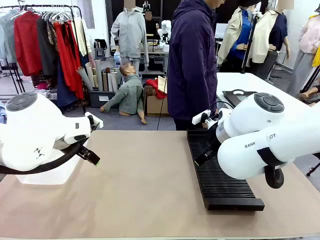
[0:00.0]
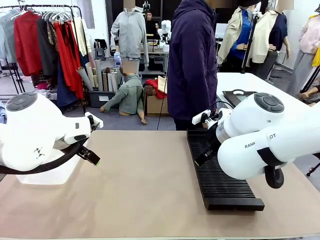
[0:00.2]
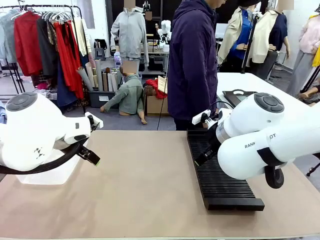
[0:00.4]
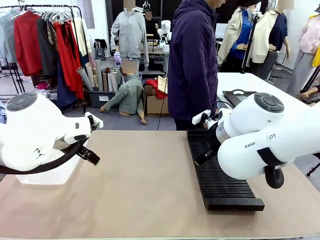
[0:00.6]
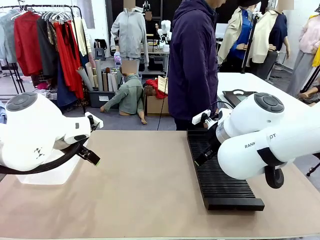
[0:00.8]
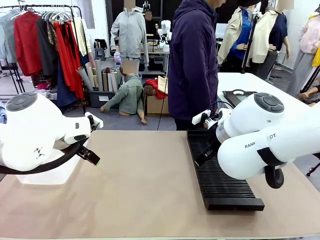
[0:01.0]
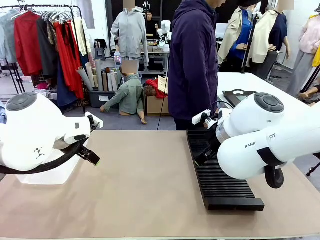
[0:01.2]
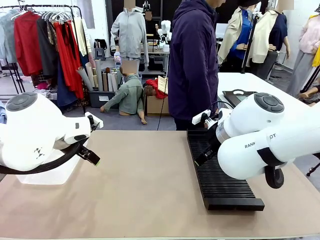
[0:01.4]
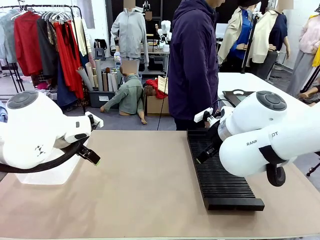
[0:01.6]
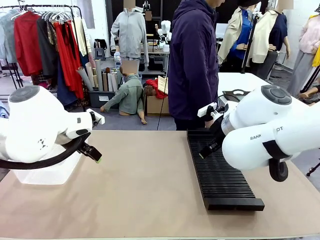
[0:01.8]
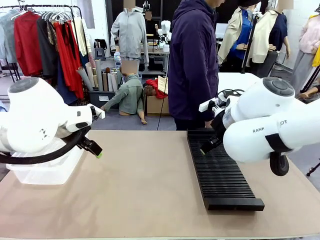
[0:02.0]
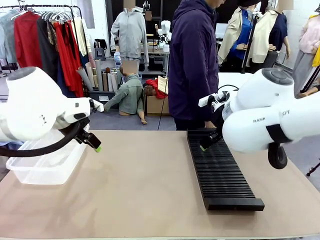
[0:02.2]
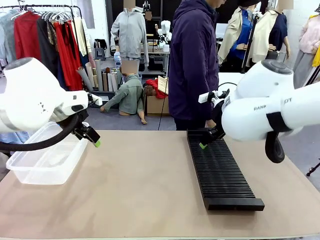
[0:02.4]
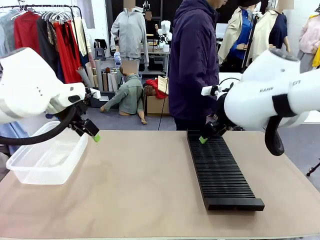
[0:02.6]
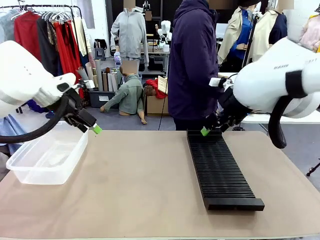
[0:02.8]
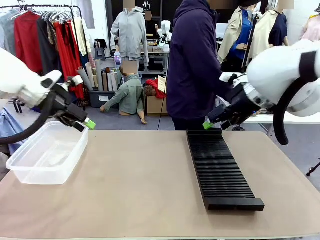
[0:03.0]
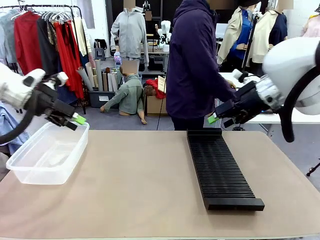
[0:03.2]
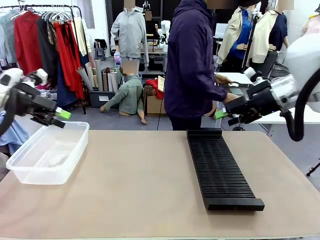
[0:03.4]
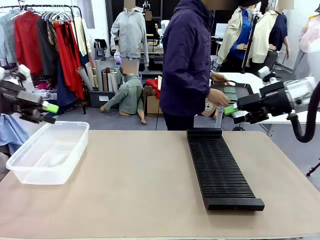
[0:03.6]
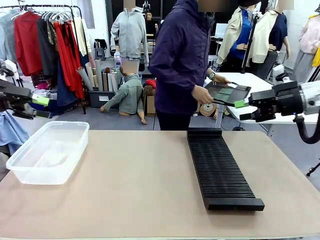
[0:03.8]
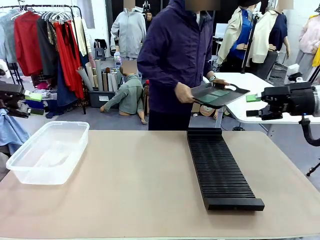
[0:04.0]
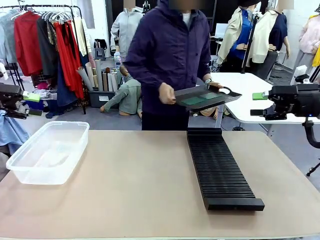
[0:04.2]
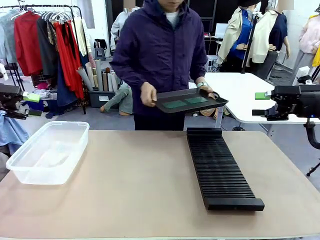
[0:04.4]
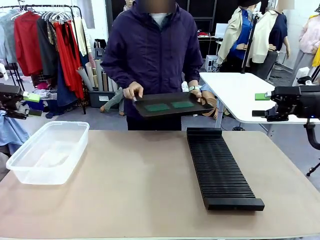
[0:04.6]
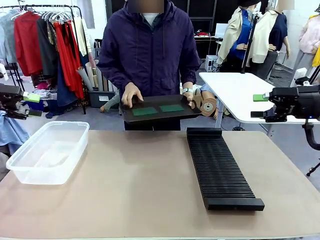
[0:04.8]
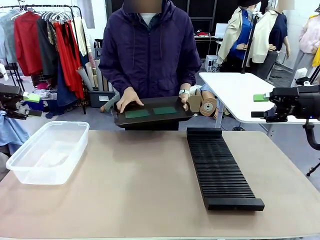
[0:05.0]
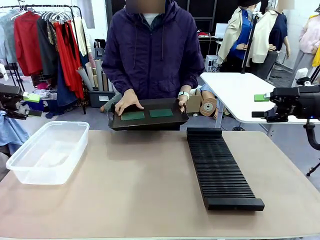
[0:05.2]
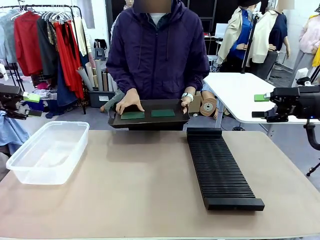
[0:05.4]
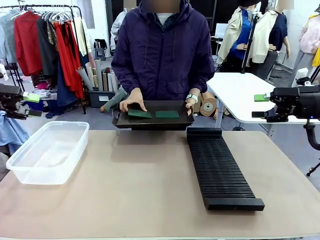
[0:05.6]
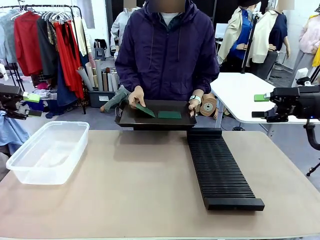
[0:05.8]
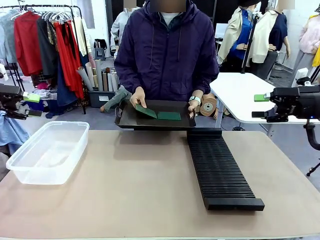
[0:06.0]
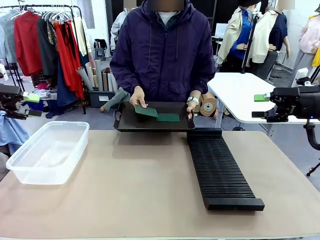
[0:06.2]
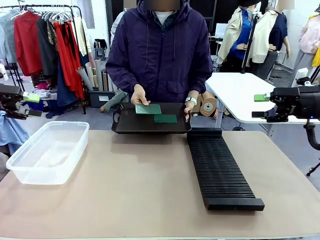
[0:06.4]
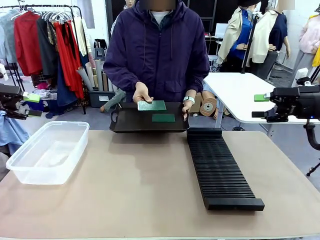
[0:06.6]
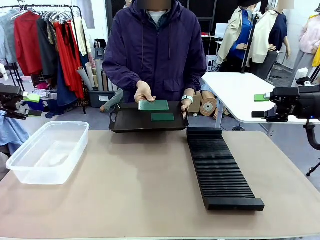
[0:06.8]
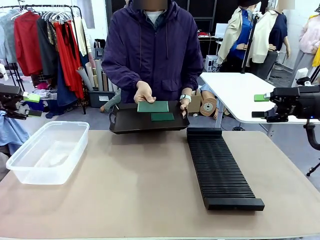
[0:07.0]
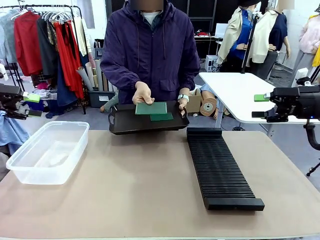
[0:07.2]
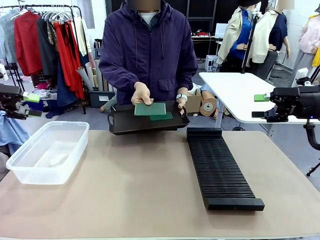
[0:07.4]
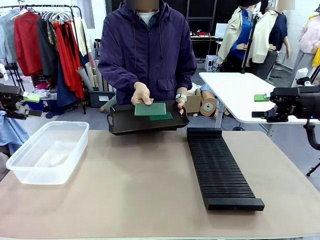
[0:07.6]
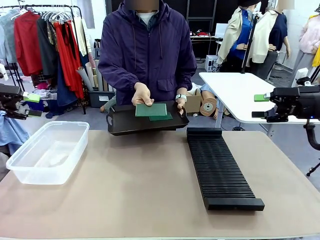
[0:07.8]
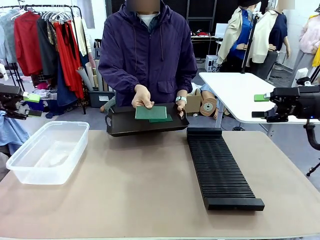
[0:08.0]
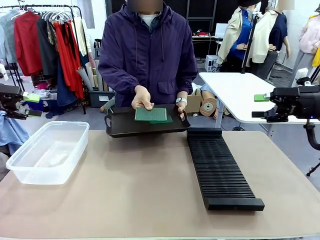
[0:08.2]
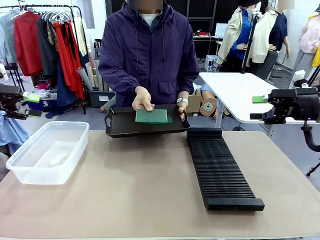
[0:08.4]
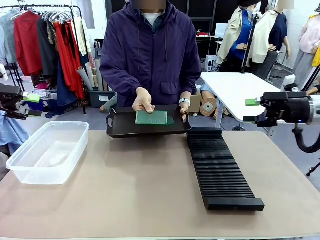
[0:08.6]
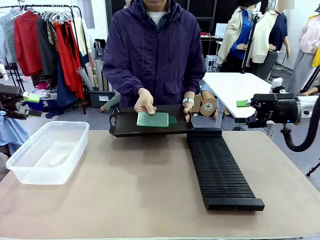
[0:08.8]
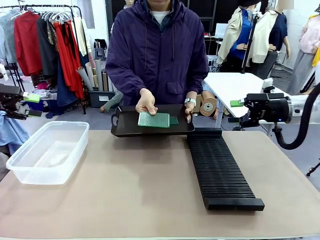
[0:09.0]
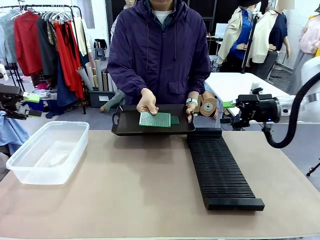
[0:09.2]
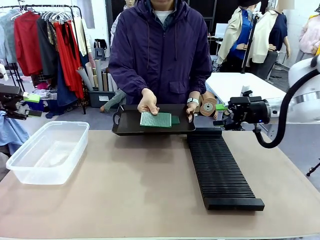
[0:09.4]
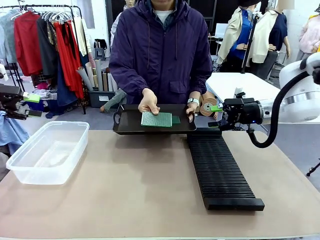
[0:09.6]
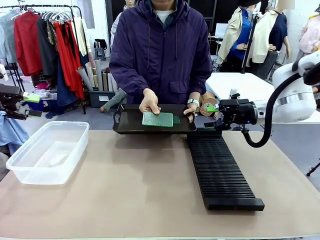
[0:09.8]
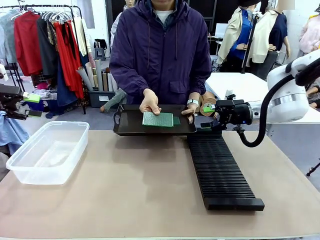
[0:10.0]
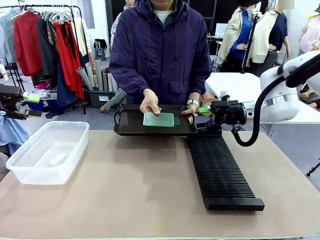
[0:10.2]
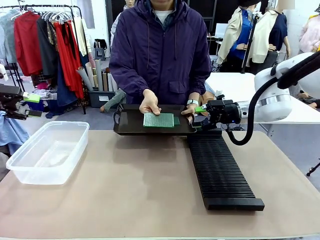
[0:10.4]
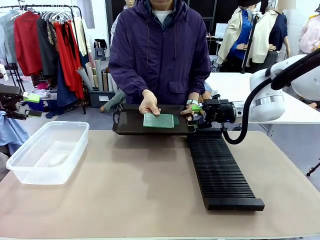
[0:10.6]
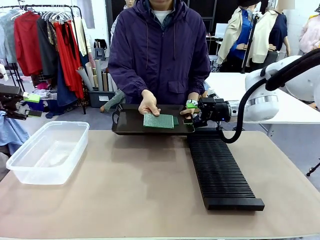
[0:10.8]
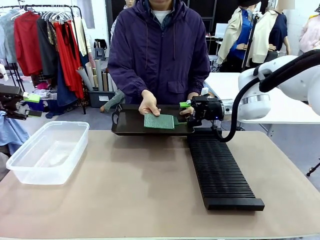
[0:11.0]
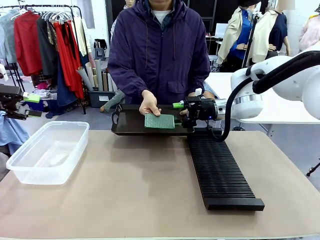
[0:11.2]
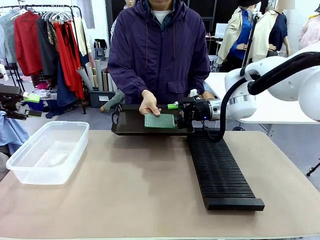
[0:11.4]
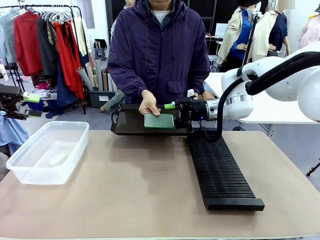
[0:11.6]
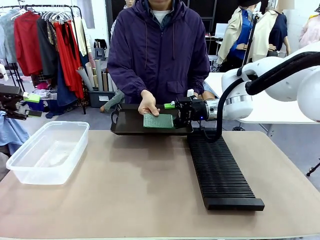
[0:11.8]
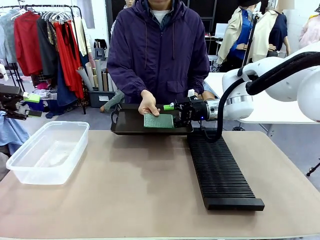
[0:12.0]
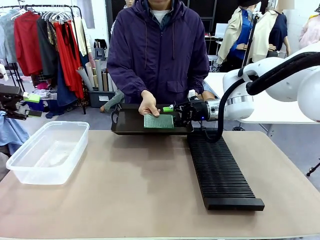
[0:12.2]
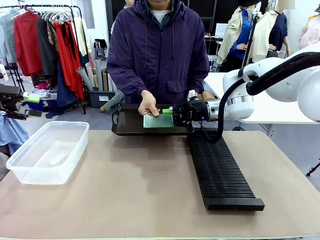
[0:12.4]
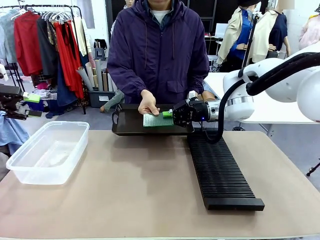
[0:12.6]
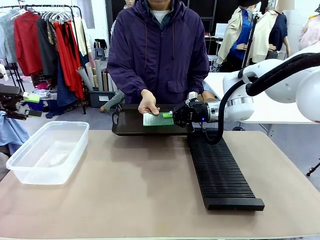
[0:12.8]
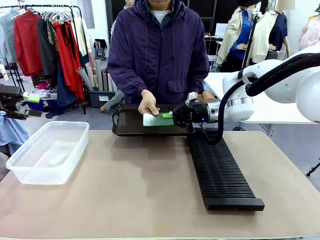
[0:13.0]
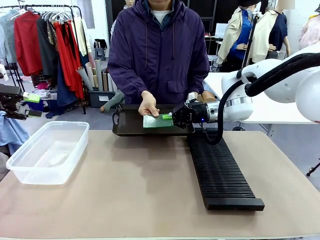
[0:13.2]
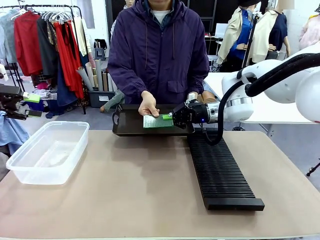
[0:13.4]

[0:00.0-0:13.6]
Task: Sort PCBs into racks and boxes based on the side picked up.
Robot: Pick up the Blank PCB handed by the Human.
Person: Pick one PCB from the tray and present it to the robot. Release the PCB being held.
